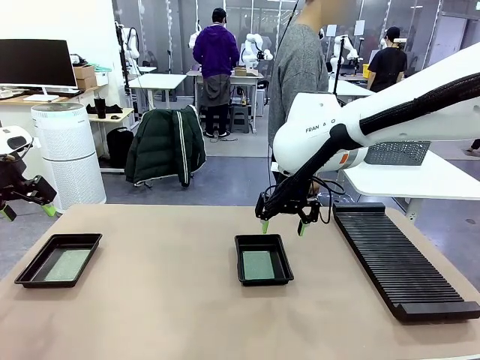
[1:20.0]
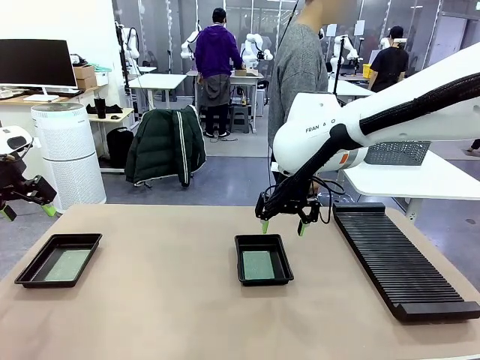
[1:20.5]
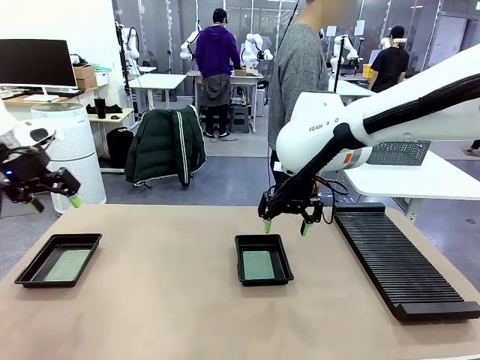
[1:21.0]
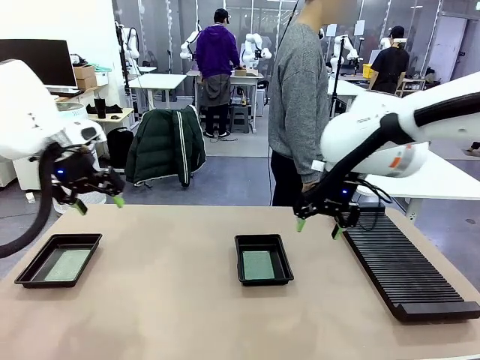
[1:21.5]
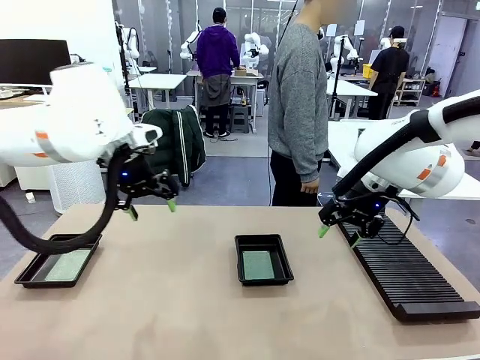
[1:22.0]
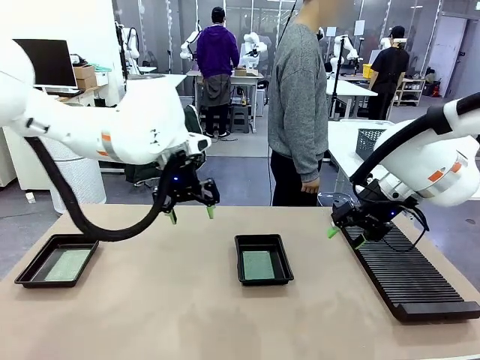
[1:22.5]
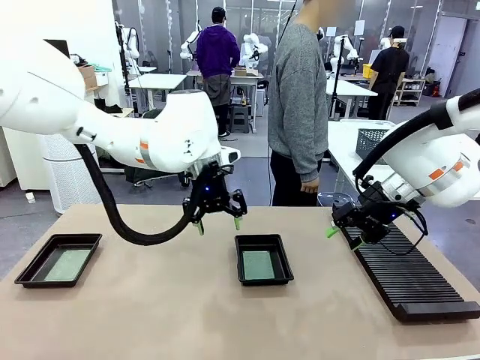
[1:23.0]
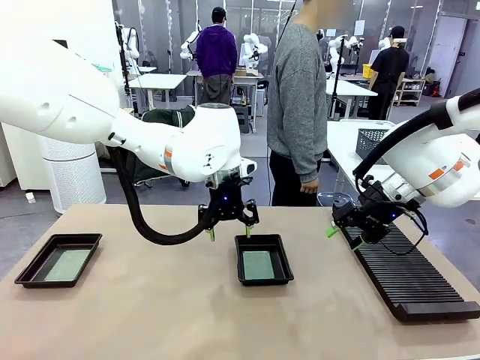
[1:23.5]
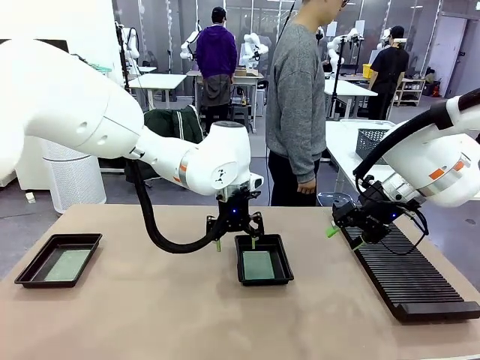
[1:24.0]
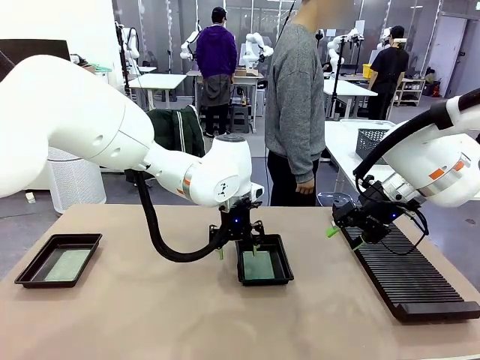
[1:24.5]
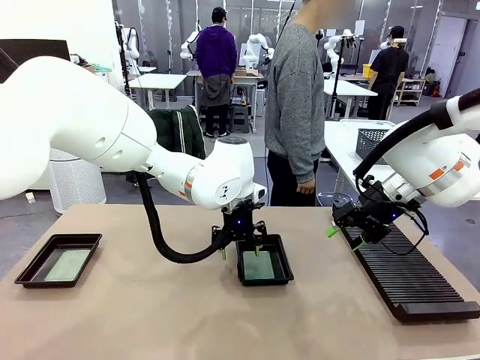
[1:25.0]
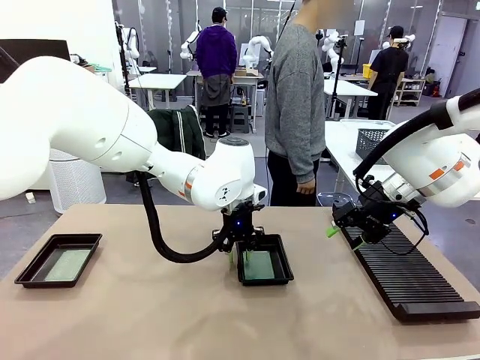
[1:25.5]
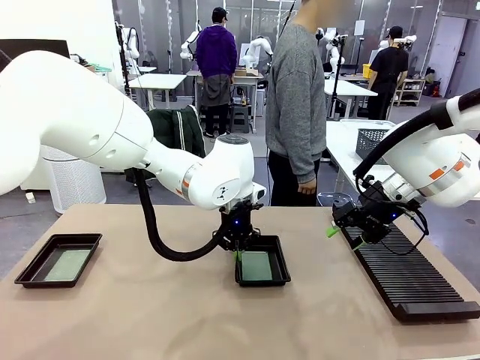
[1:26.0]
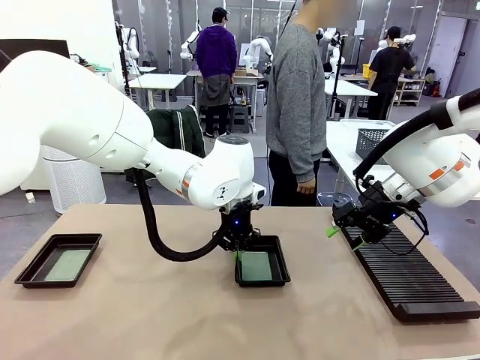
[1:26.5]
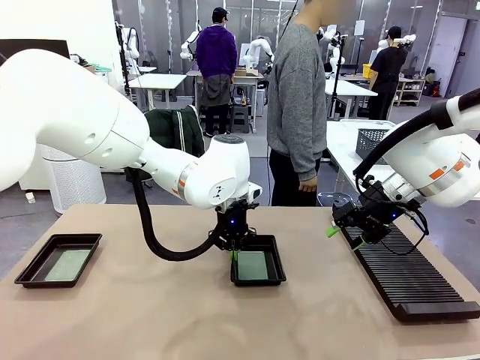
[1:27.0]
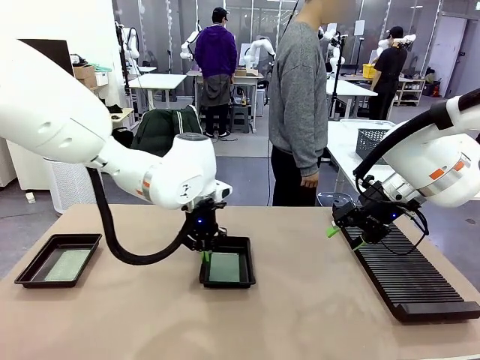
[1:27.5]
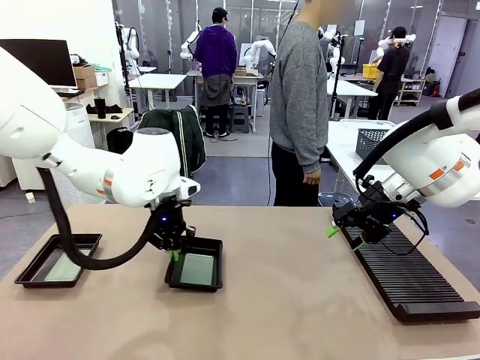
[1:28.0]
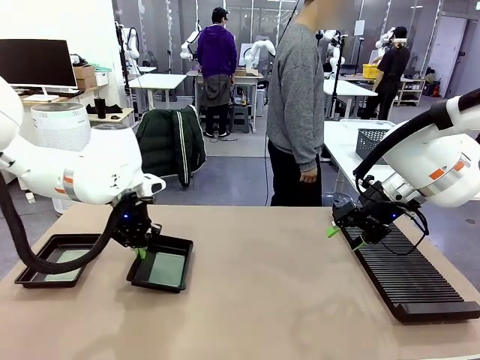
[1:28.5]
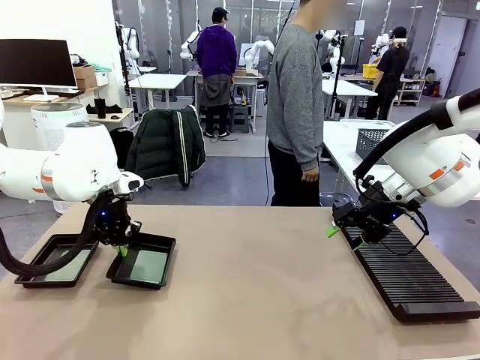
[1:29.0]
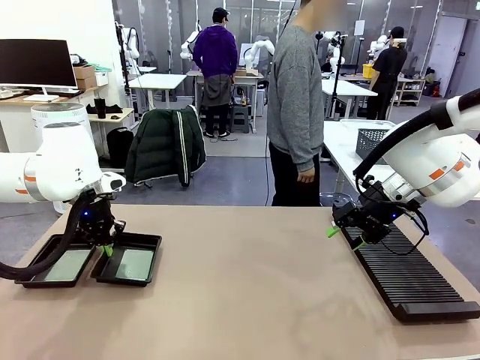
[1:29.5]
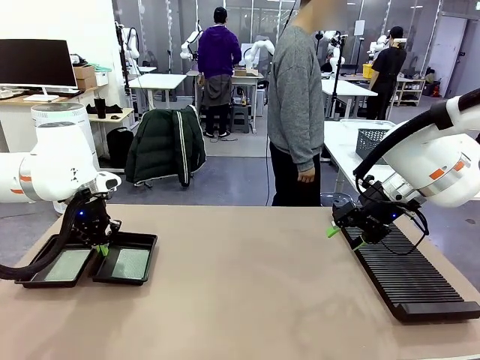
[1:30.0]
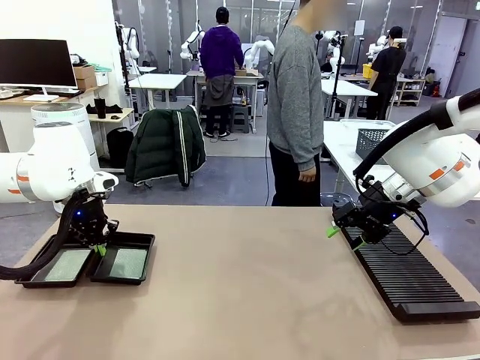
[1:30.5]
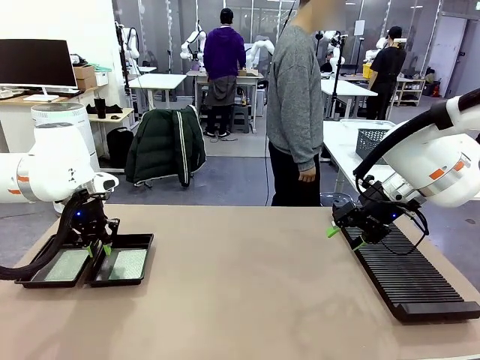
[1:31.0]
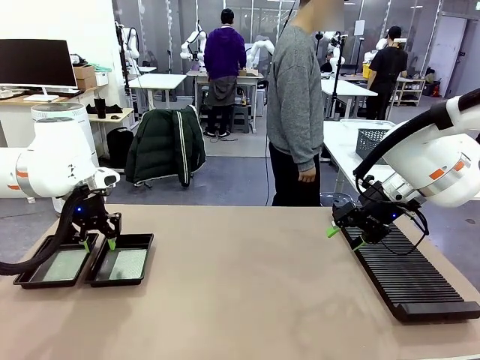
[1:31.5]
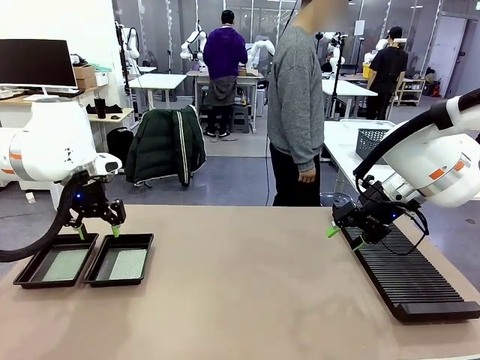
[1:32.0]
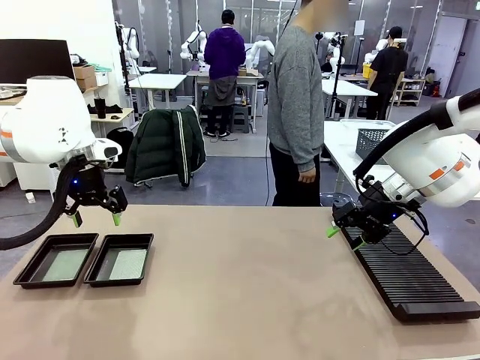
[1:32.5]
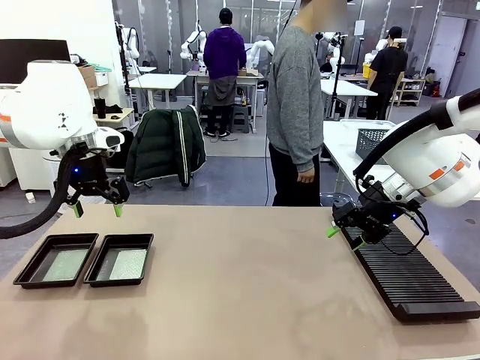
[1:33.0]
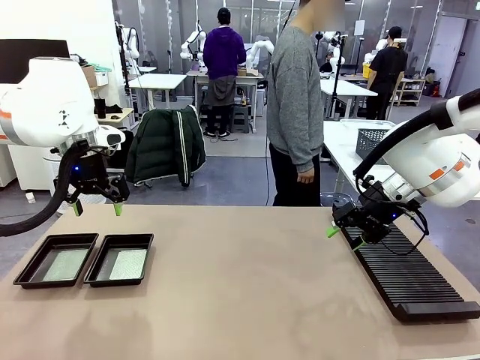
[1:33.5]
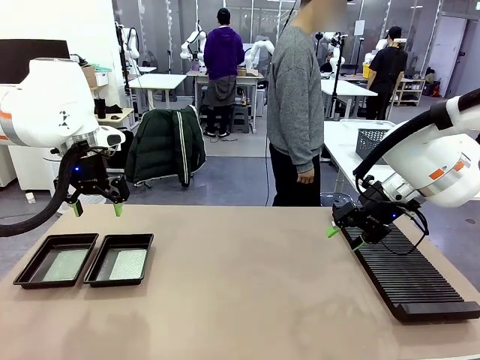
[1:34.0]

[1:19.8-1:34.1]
Task: Inspect and transfer BCBs to ESD trays.
Robot: Pick up the ESD tray and place it on the left side of the table.

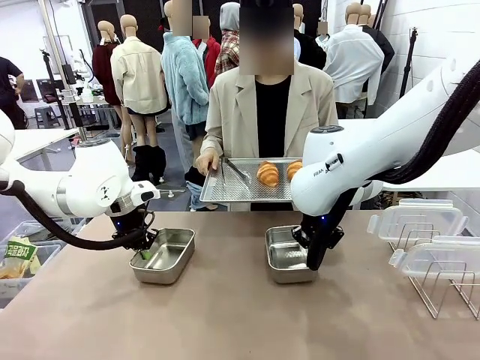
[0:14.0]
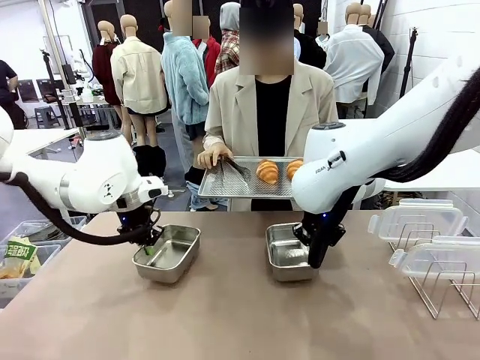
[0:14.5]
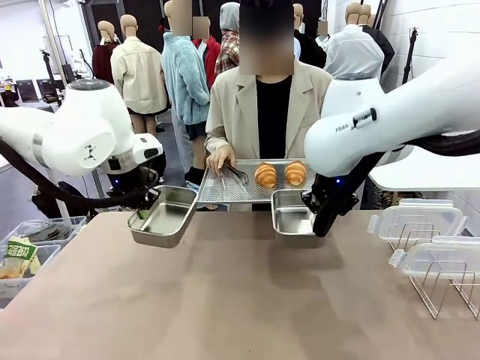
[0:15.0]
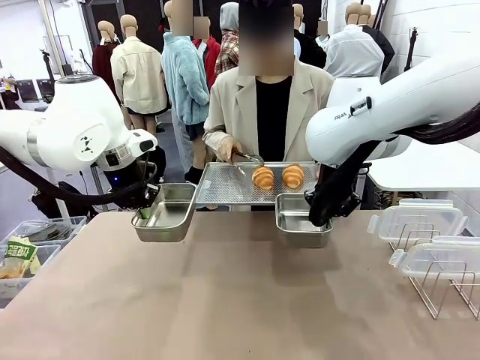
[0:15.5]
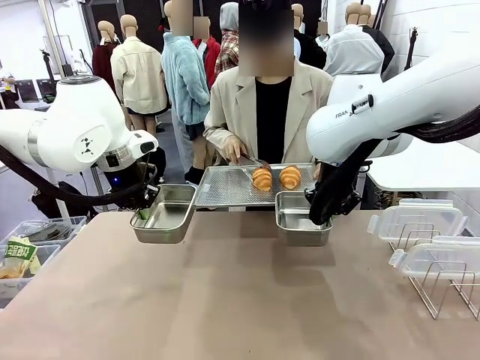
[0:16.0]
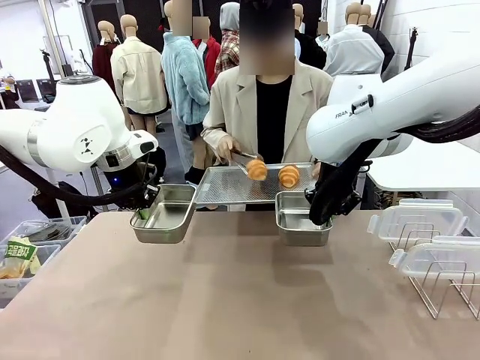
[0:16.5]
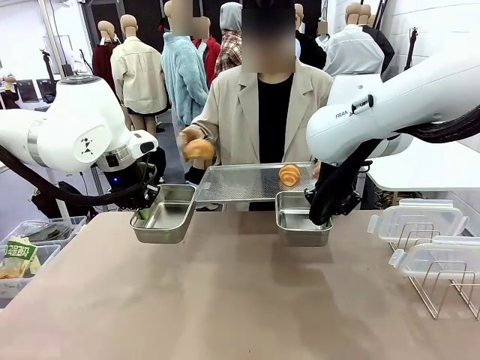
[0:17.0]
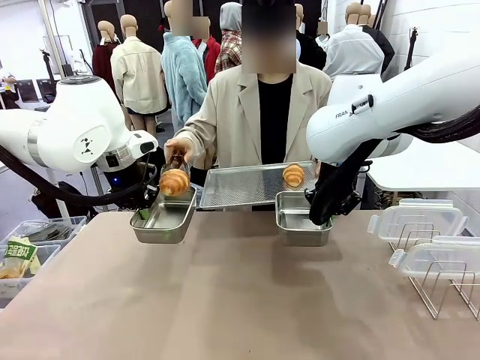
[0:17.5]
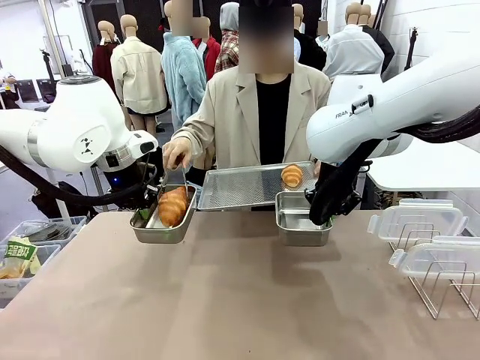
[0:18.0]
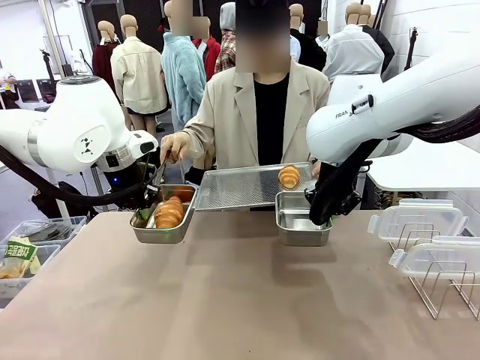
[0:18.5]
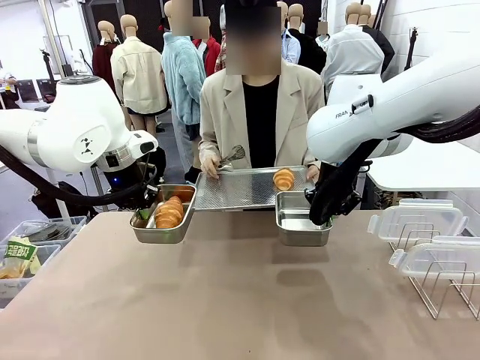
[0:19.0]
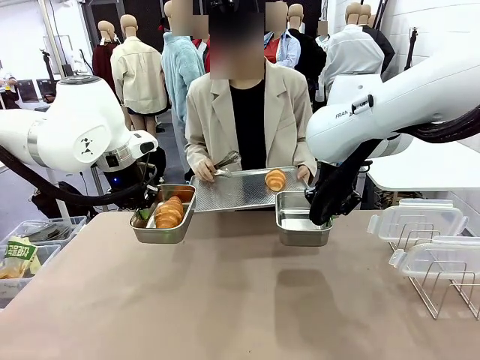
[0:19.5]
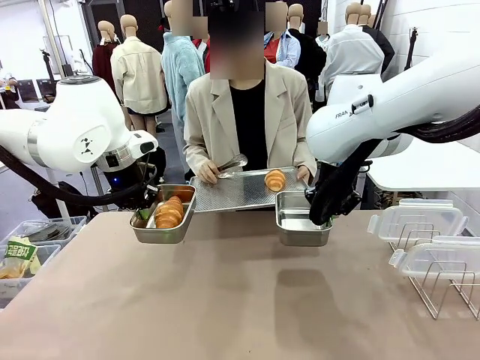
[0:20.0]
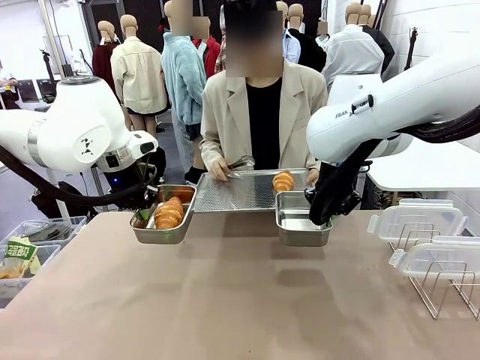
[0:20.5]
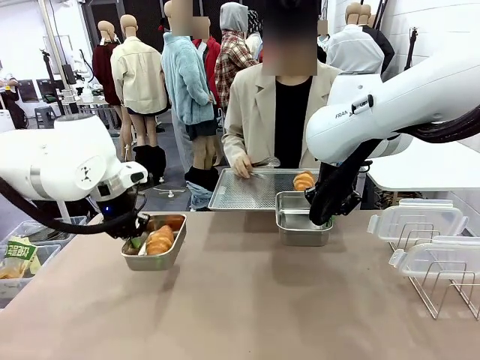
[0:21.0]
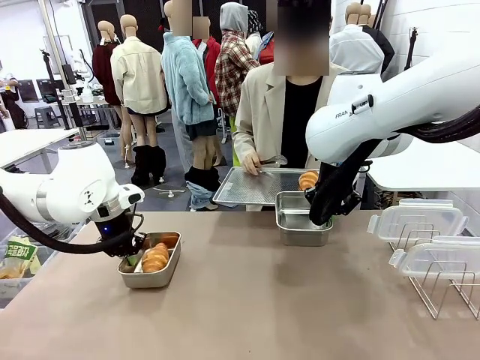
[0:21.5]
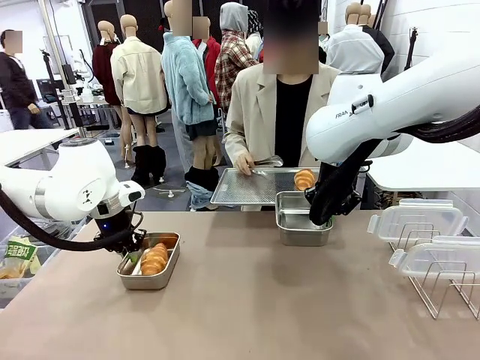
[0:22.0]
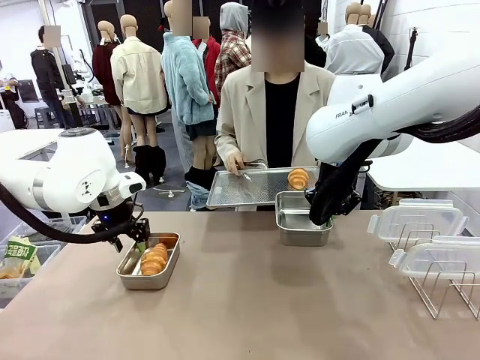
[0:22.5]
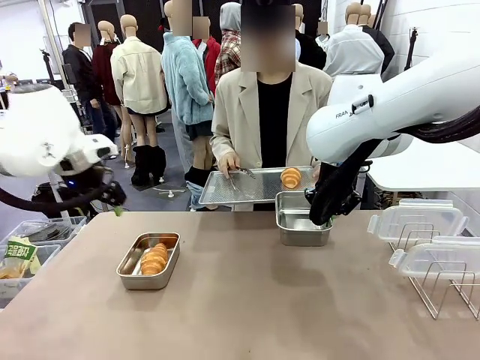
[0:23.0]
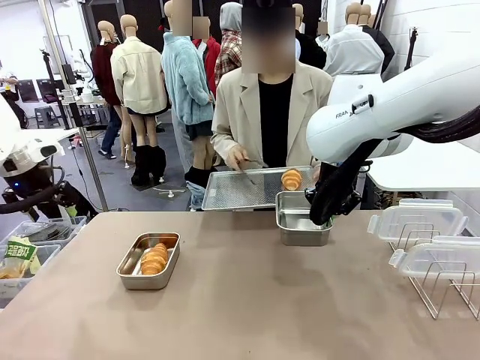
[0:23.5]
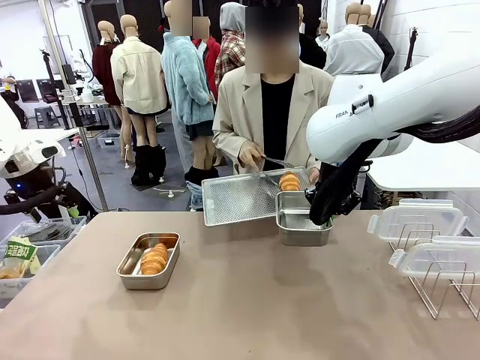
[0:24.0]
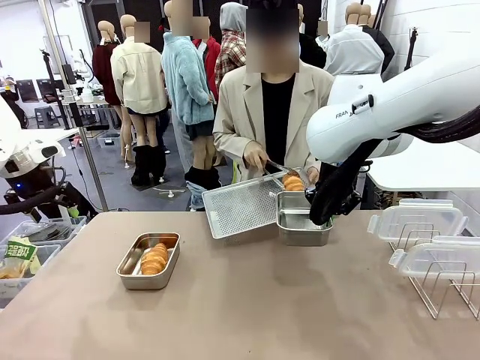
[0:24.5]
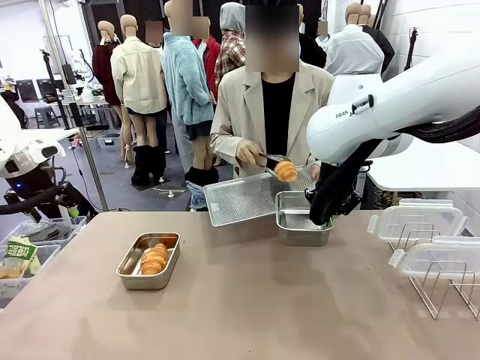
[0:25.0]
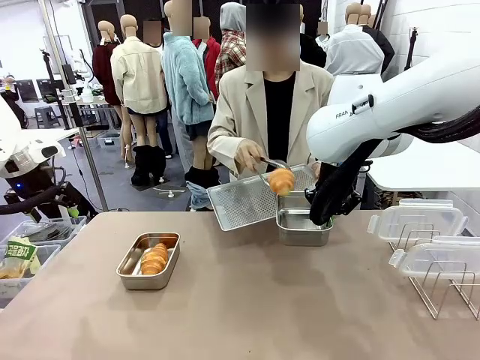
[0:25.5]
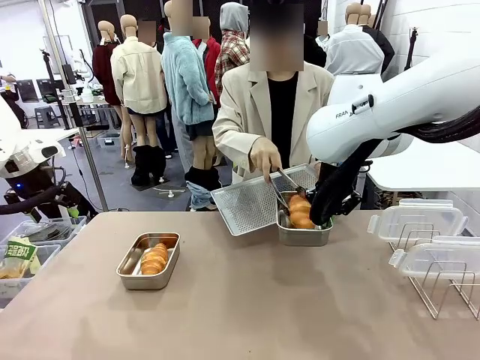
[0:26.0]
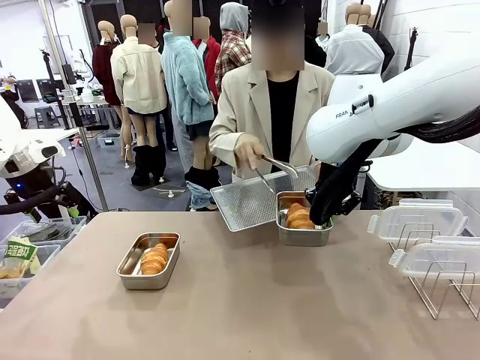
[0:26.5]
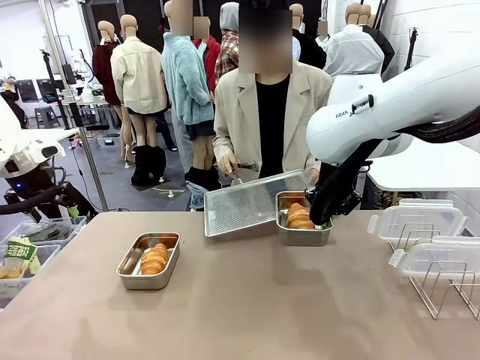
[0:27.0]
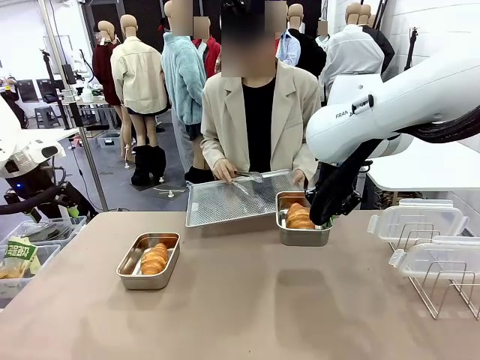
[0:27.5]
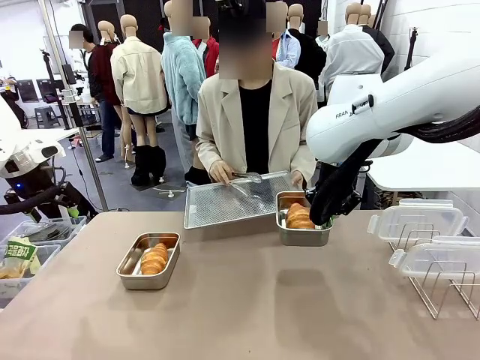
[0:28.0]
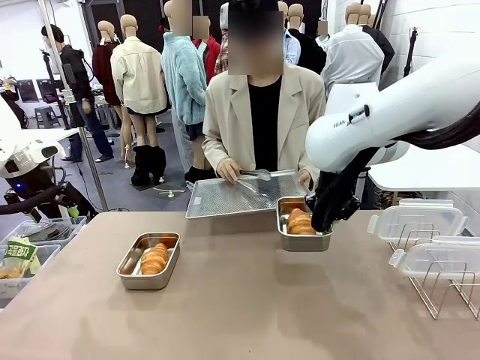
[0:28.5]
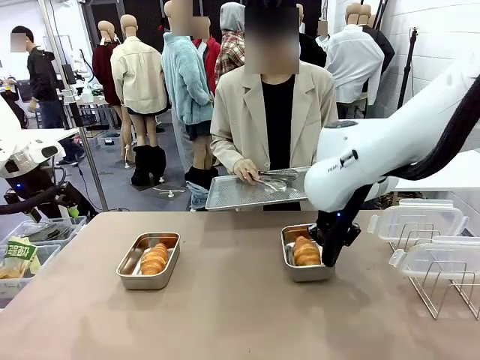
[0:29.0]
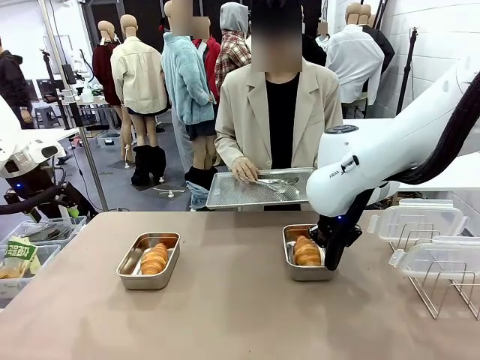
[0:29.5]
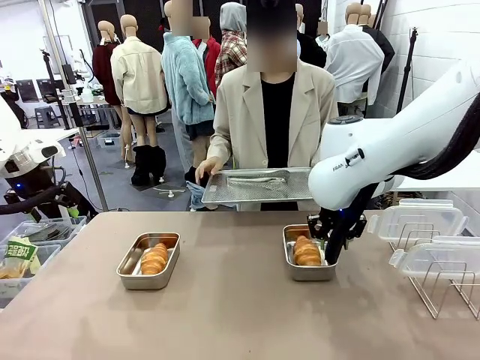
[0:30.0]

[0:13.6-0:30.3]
Task: Place the bread in airtight containers.
Robot: Once an object is inside an Airtight Container , place the container in the center of the table.
Person: Use the Stainless steel tongs to place one object from Baking Sheet into one Airtight Container.
